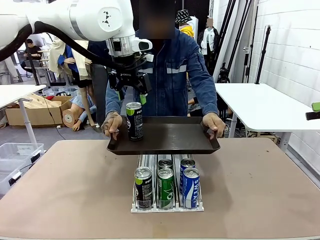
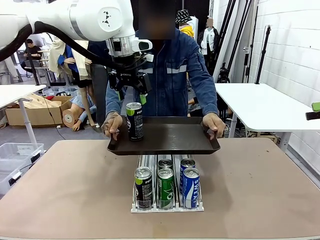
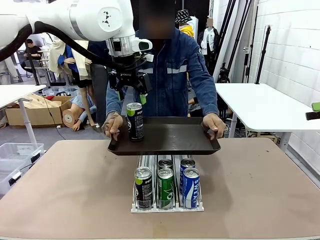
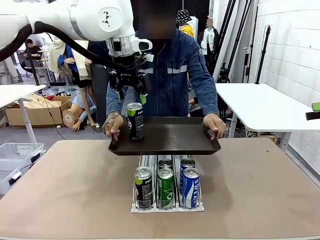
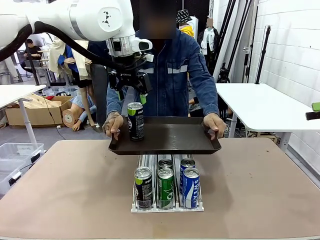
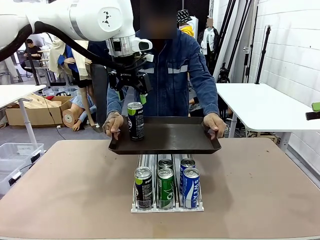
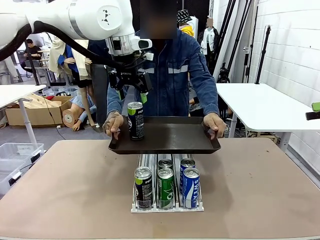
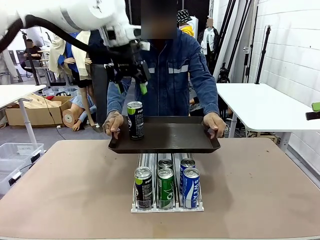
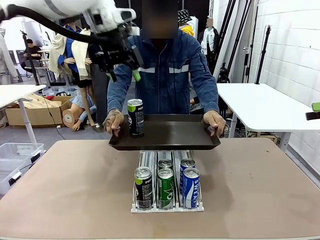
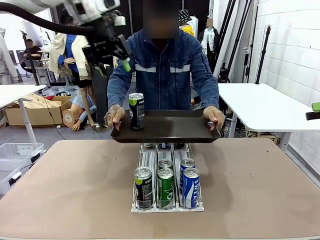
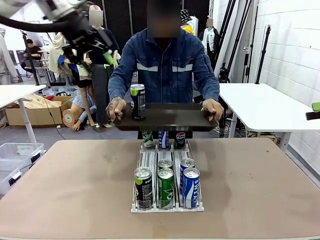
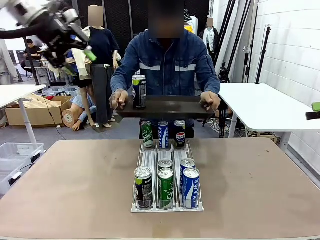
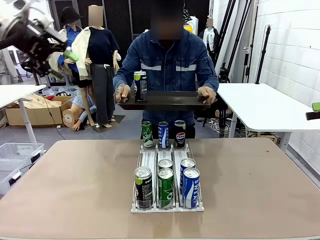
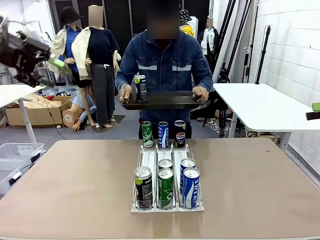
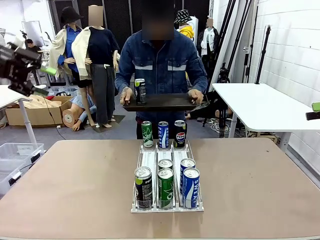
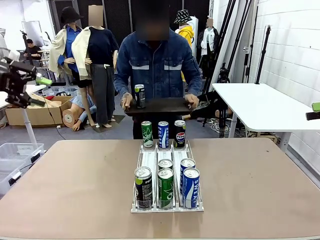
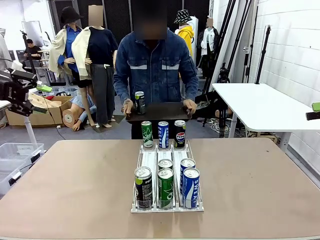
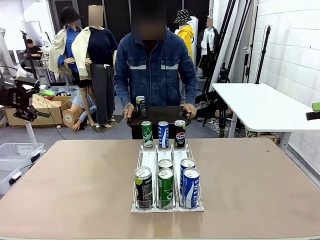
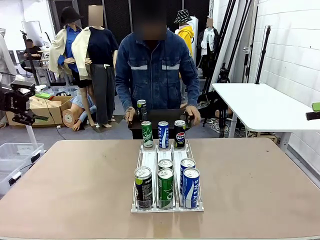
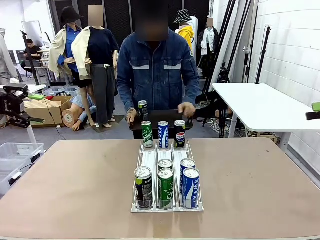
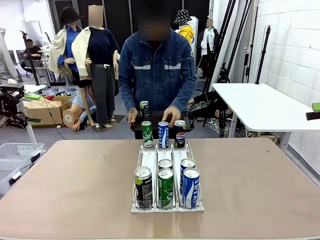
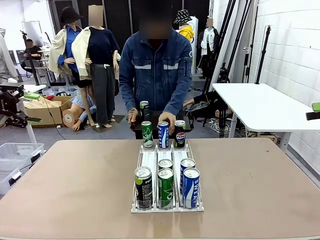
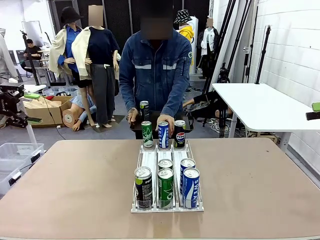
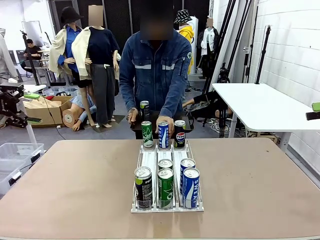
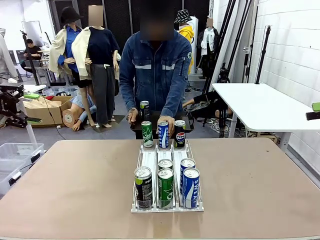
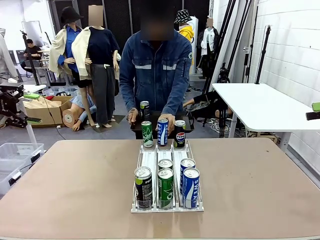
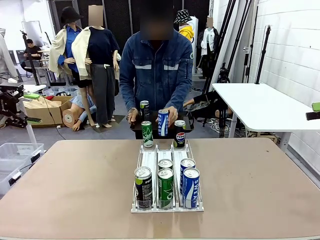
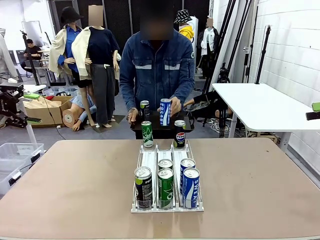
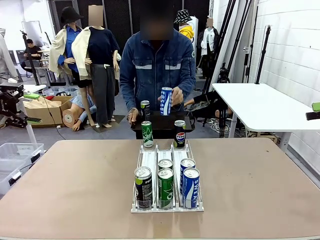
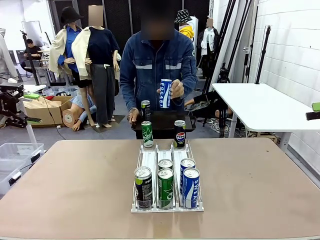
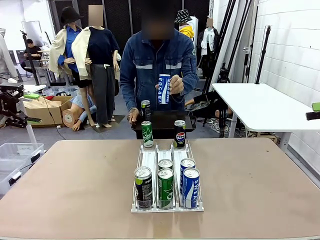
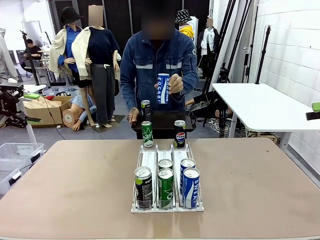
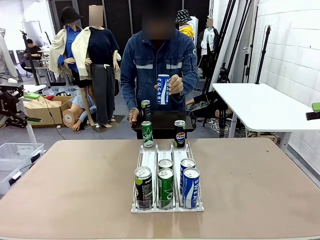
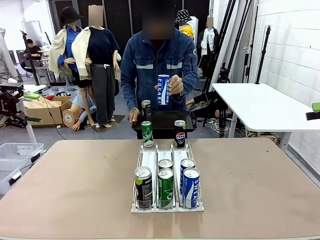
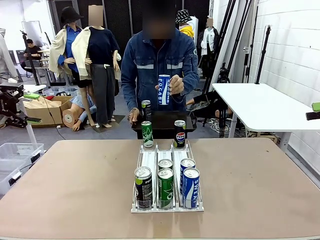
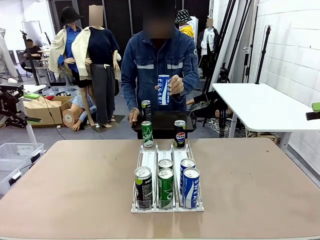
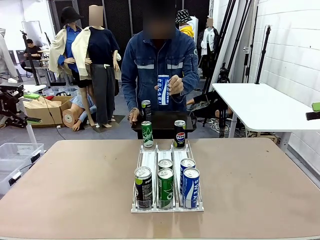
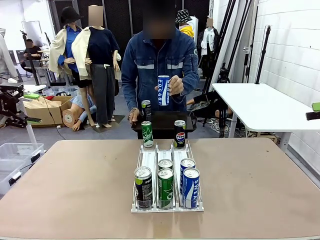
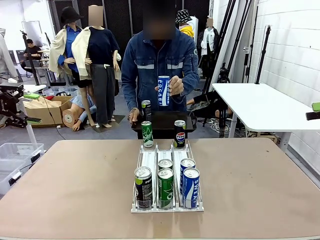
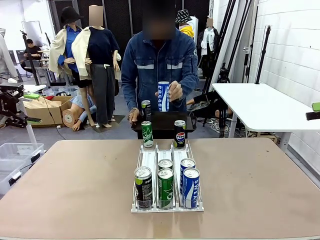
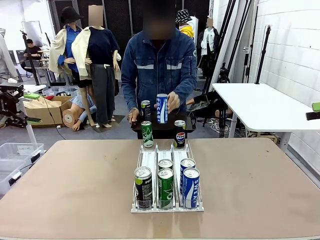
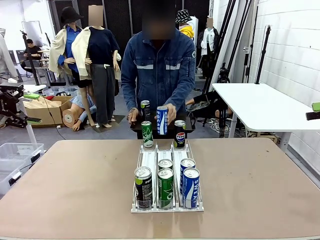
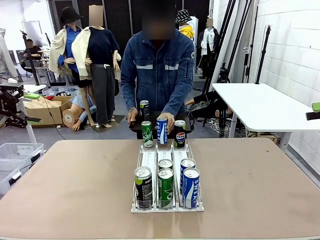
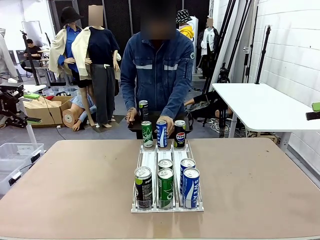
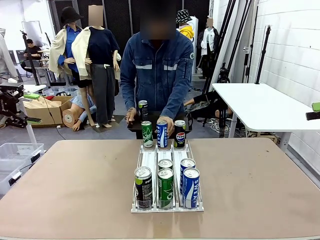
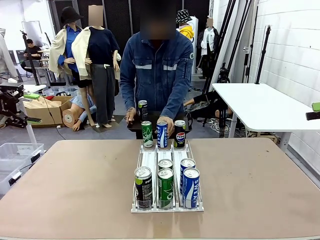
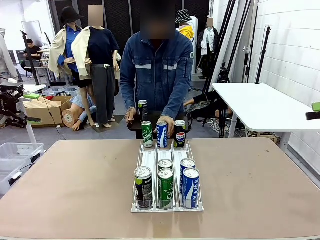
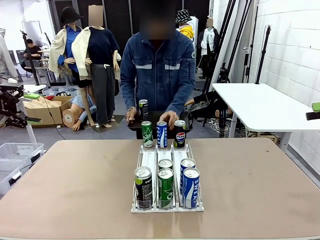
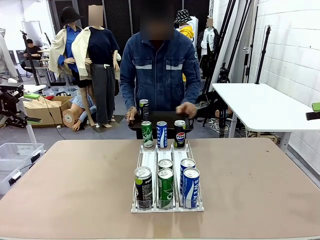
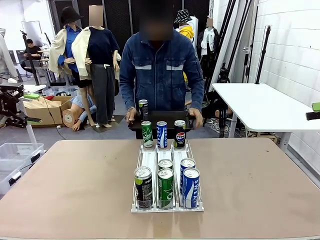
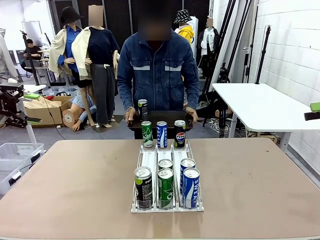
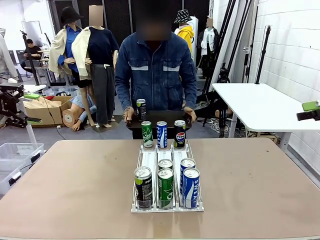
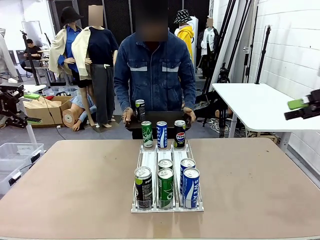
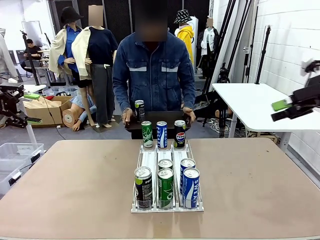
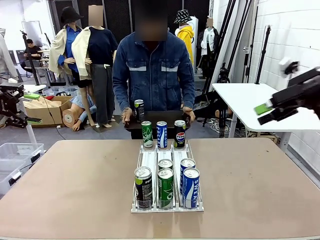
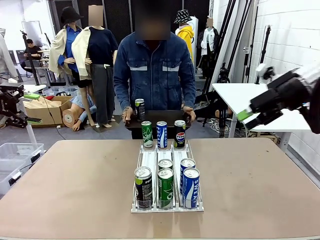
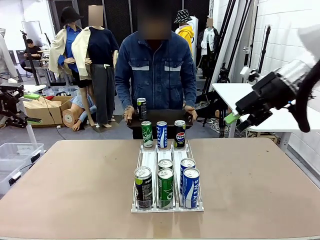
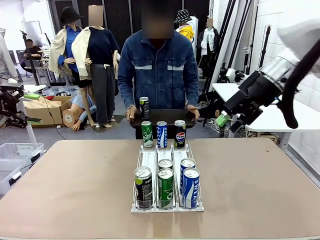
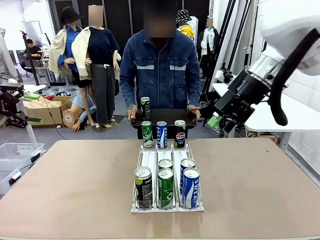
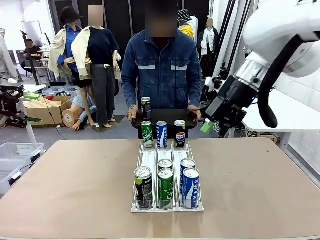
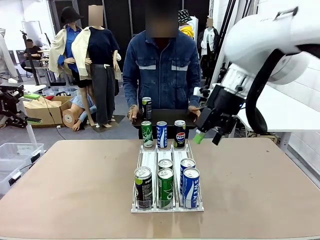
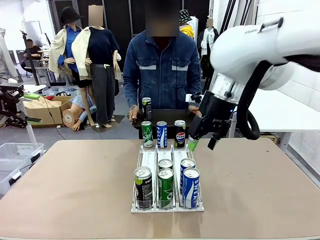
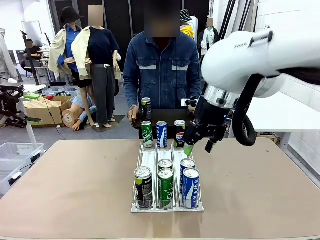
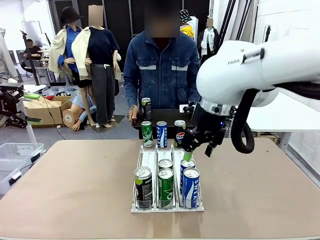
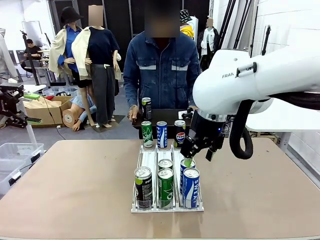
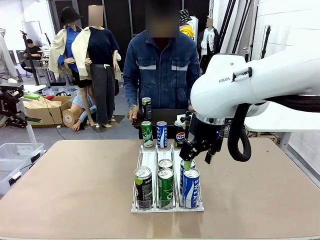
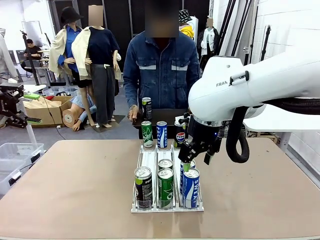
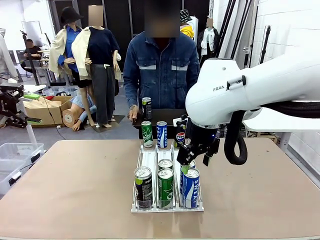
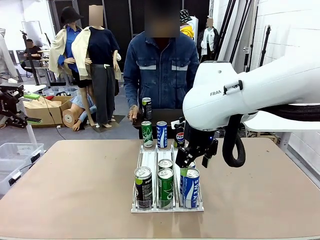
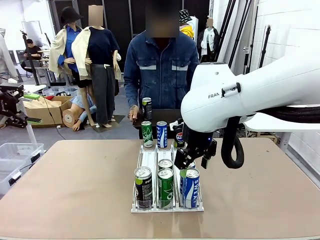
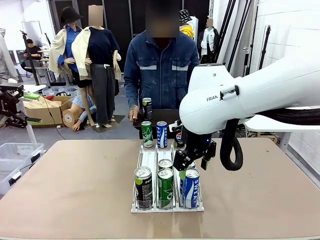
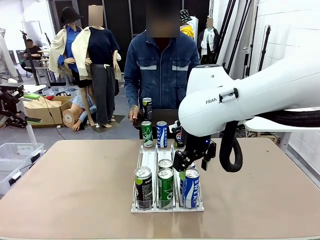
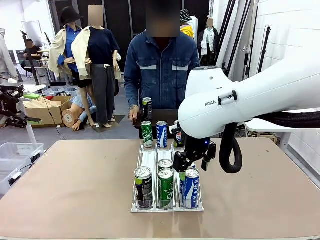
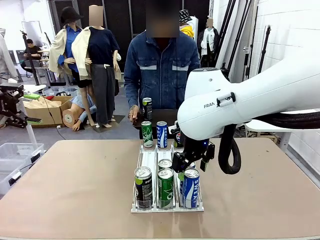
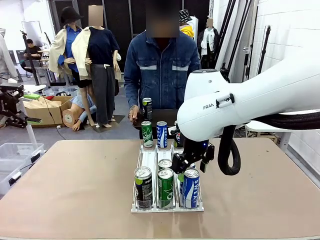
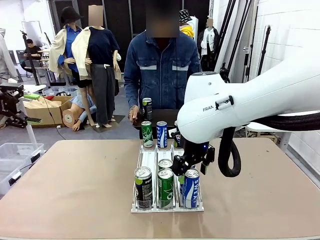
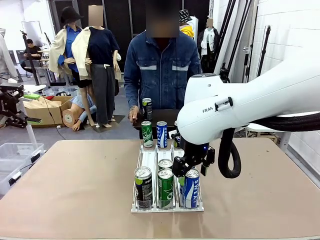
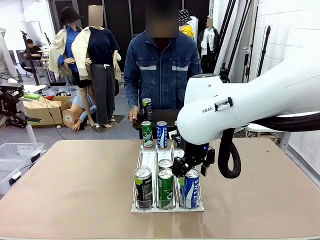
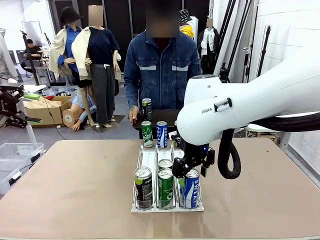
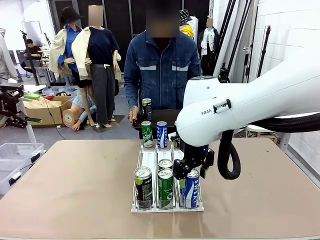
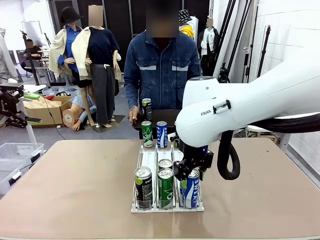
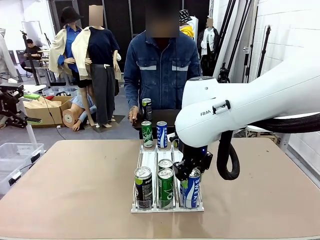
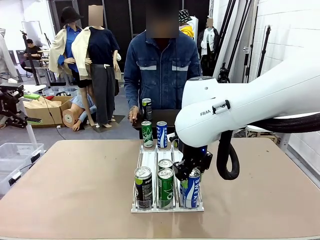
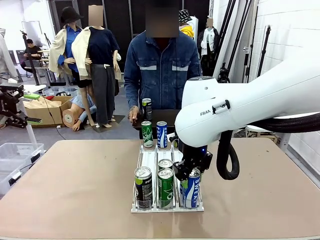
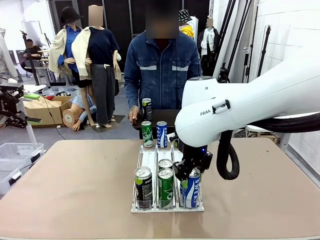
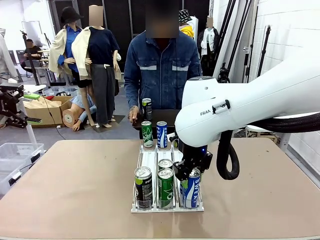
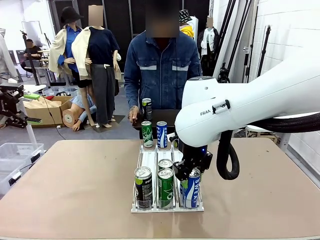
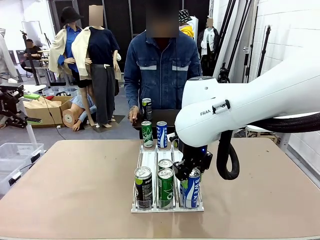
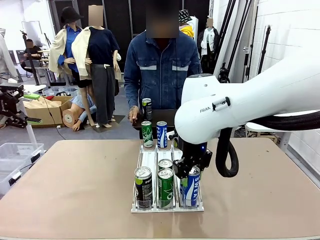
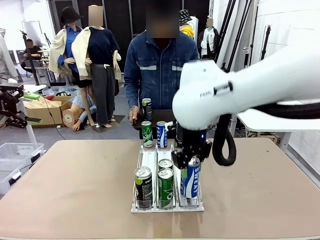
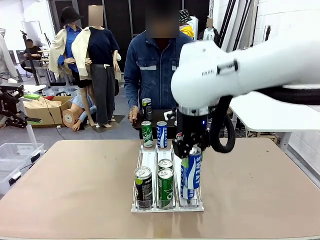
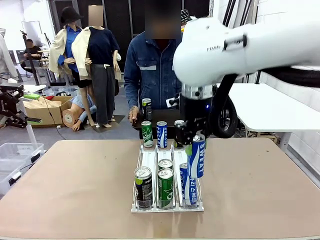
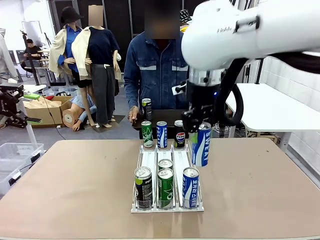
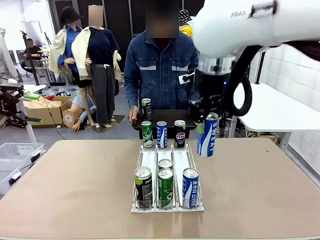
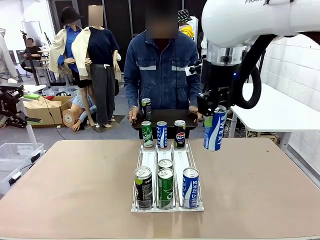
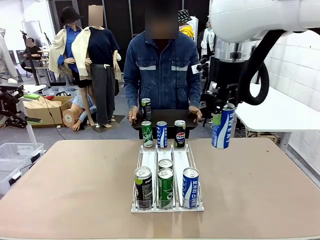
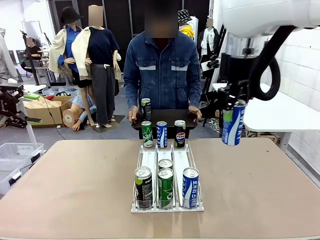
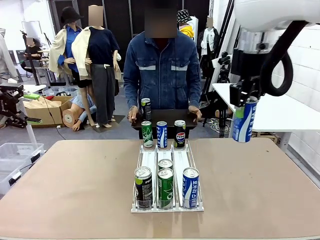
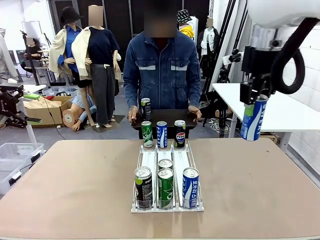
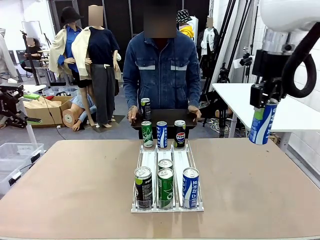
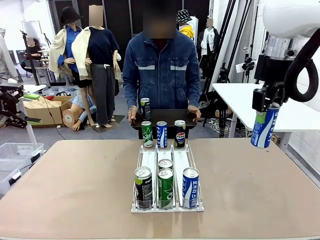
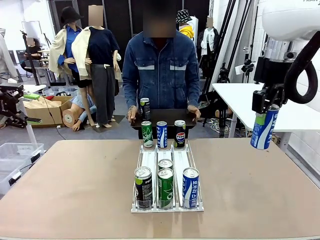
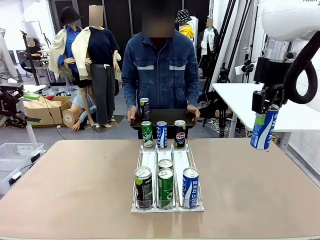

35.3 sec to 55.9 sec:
Task: Retrieve and hand over the desired beverage to the person.
Robot: Pick up another can of the same type that the person held from the Automatic Can Dispenser.
Person: Pull the tray back, then pick up another can from the bottom area of the table and puts it back in its original place. Push the tray toward the robot again.
